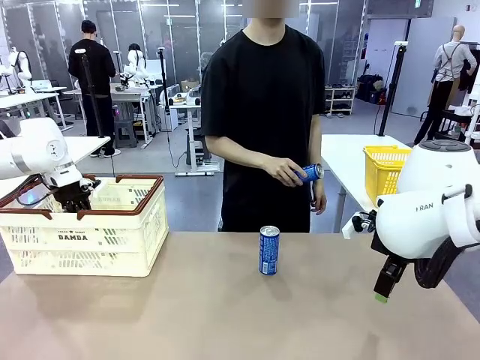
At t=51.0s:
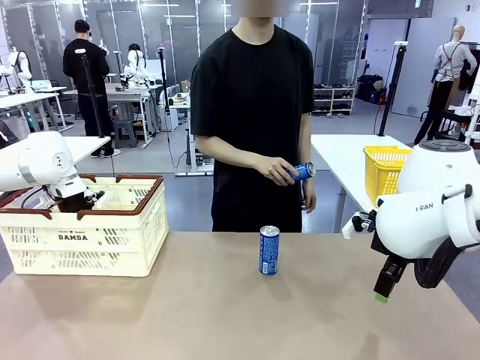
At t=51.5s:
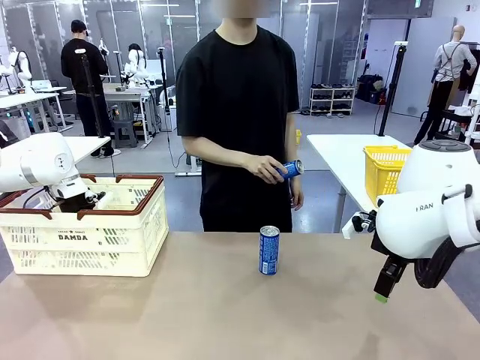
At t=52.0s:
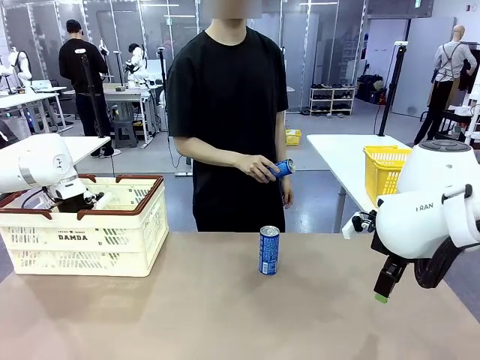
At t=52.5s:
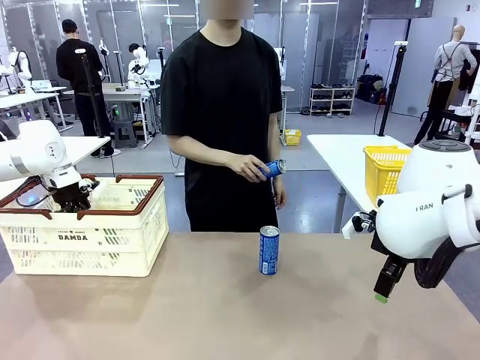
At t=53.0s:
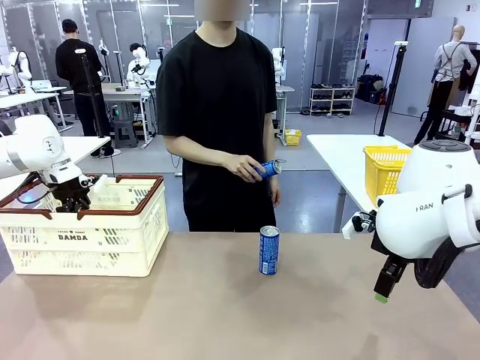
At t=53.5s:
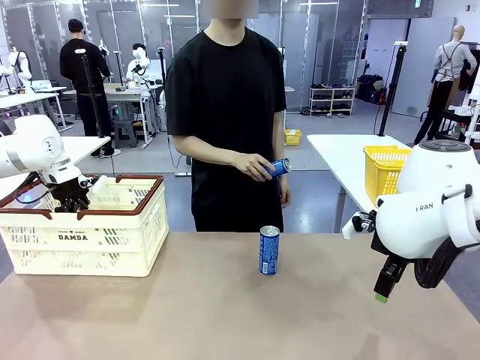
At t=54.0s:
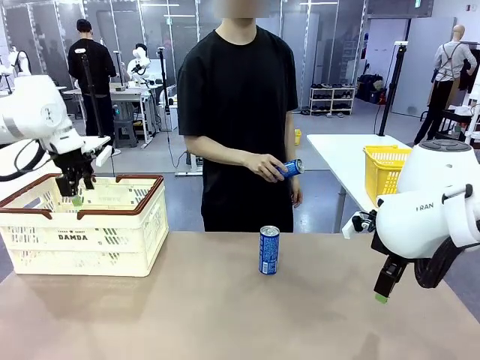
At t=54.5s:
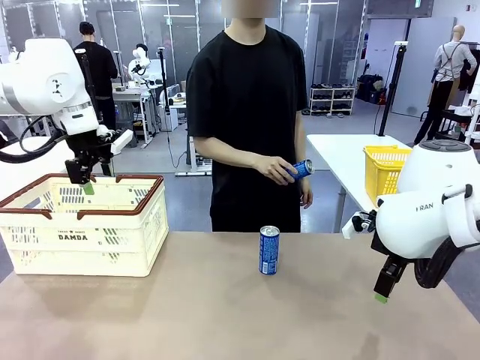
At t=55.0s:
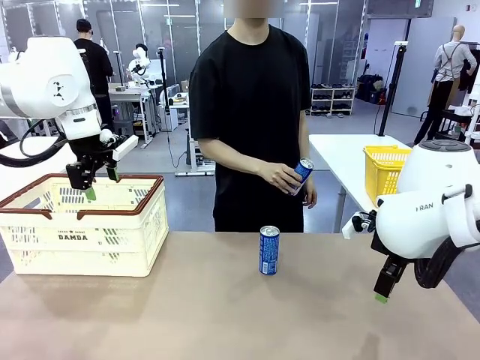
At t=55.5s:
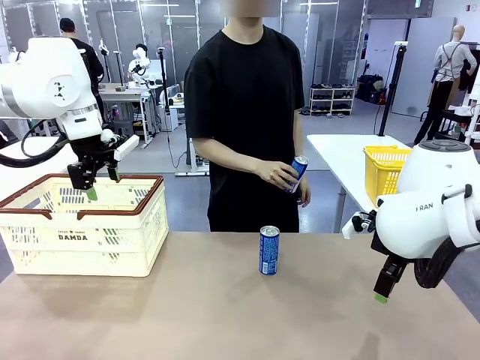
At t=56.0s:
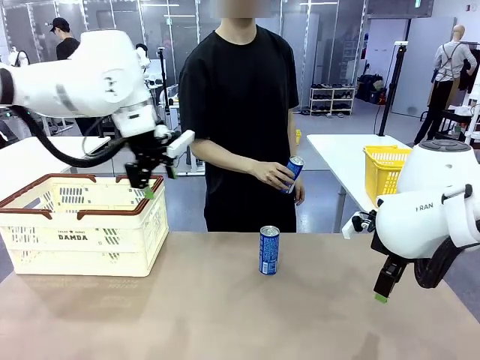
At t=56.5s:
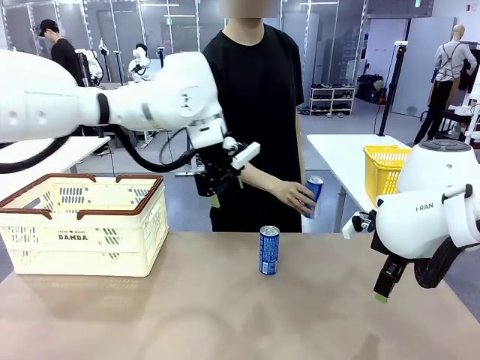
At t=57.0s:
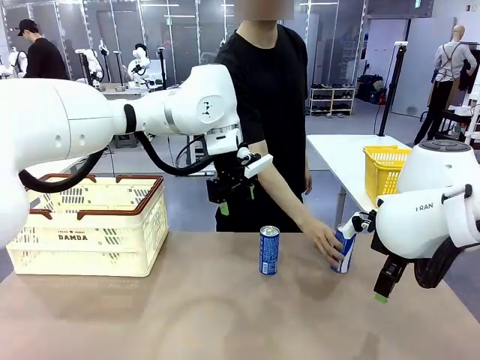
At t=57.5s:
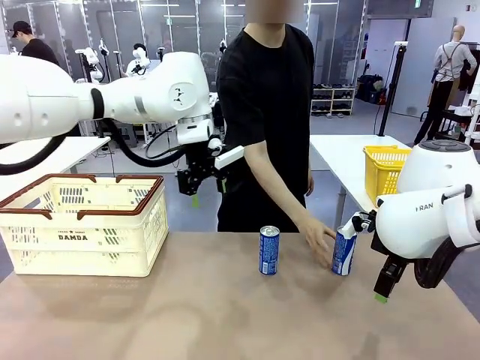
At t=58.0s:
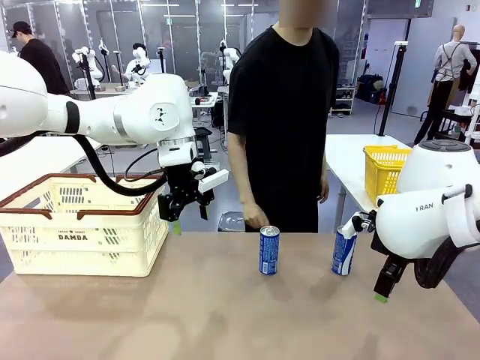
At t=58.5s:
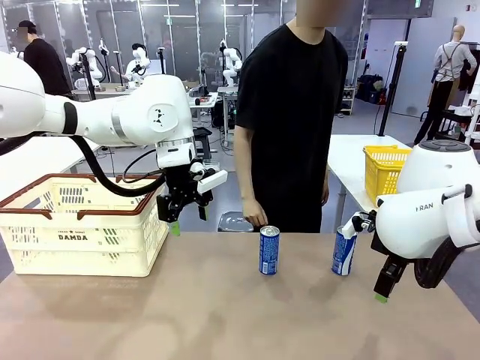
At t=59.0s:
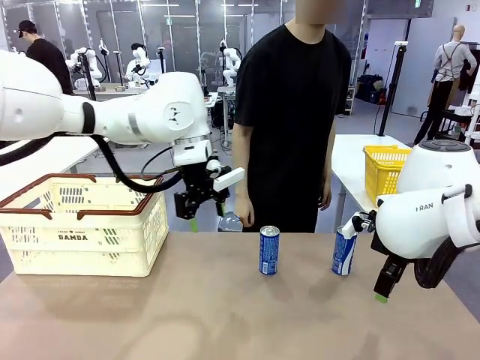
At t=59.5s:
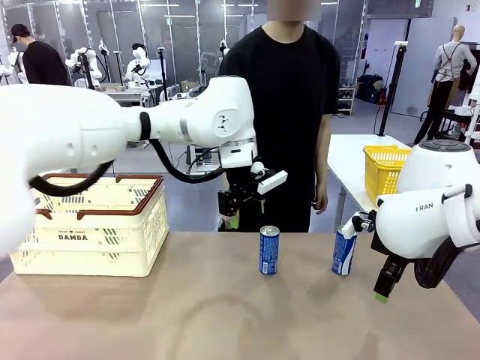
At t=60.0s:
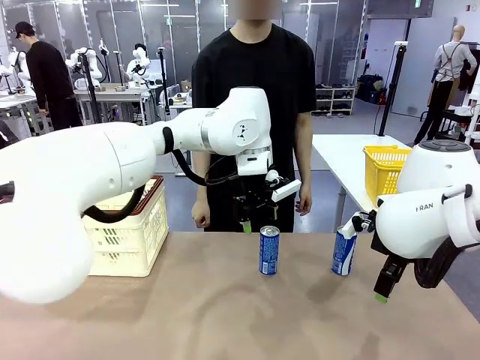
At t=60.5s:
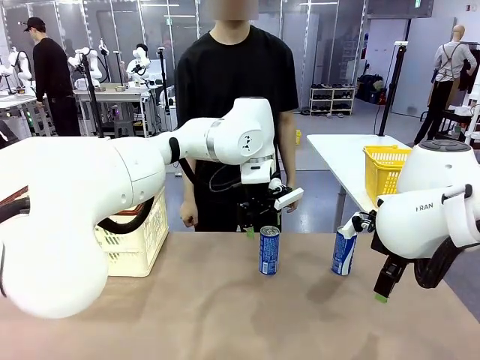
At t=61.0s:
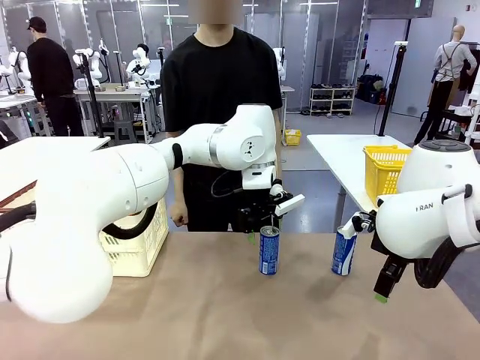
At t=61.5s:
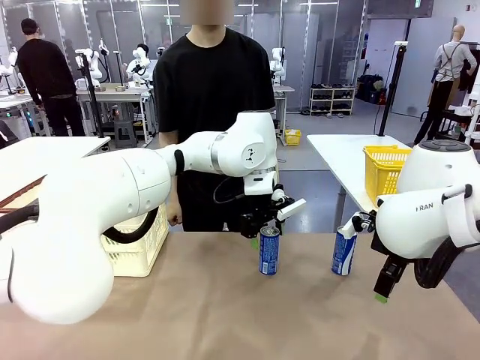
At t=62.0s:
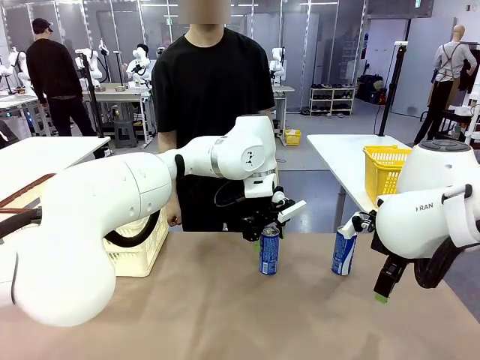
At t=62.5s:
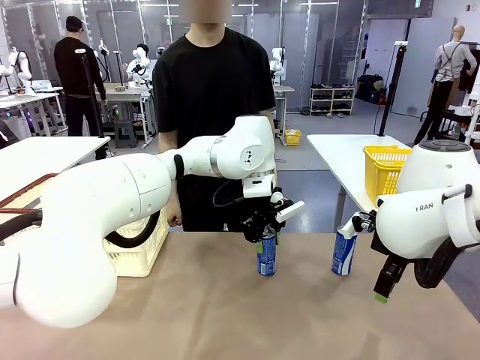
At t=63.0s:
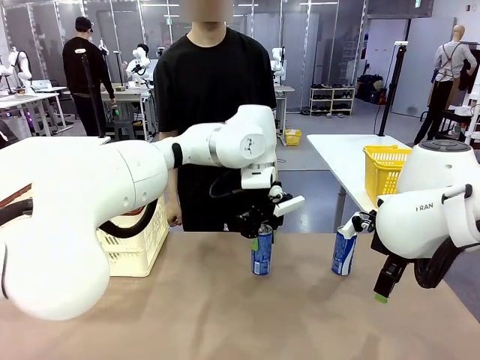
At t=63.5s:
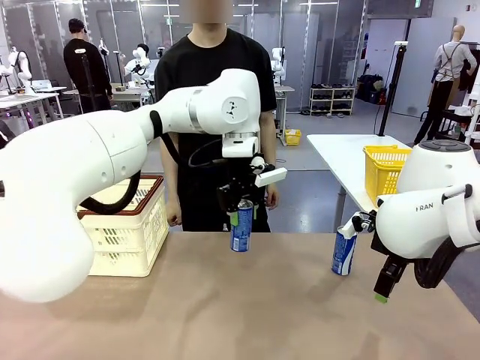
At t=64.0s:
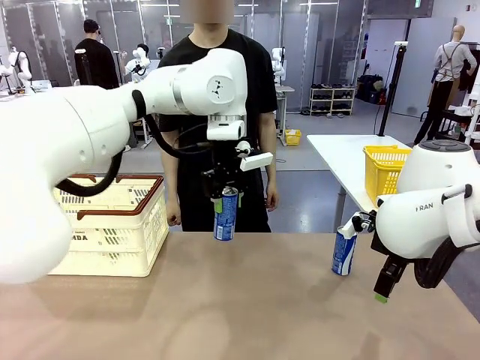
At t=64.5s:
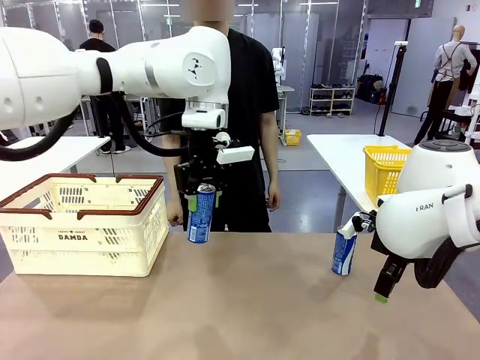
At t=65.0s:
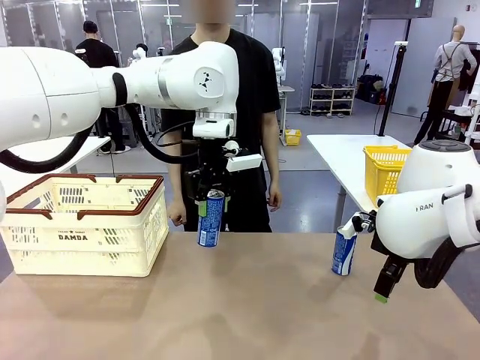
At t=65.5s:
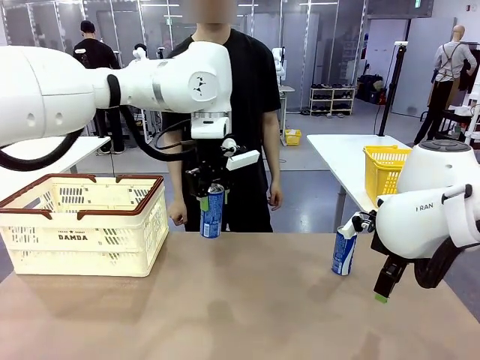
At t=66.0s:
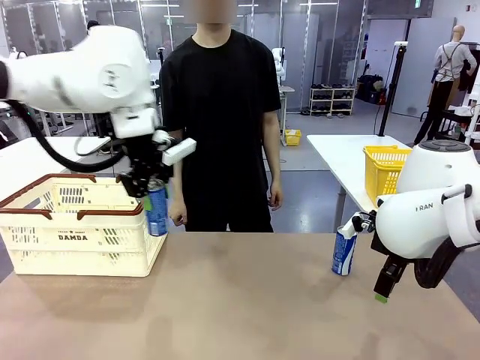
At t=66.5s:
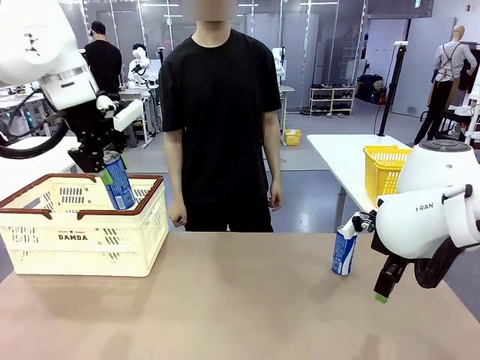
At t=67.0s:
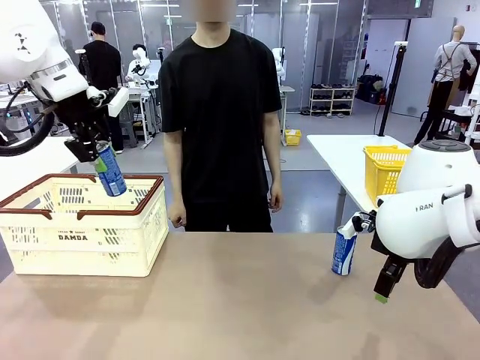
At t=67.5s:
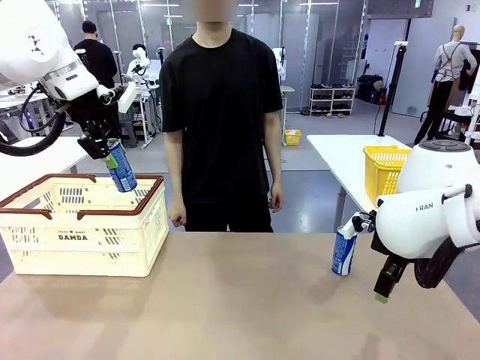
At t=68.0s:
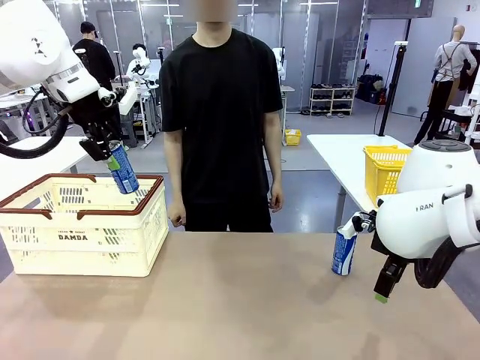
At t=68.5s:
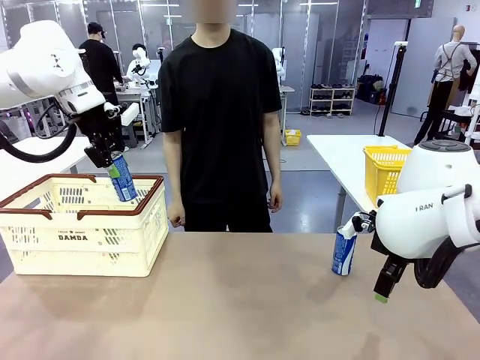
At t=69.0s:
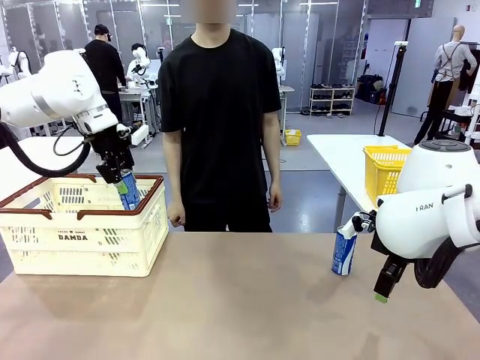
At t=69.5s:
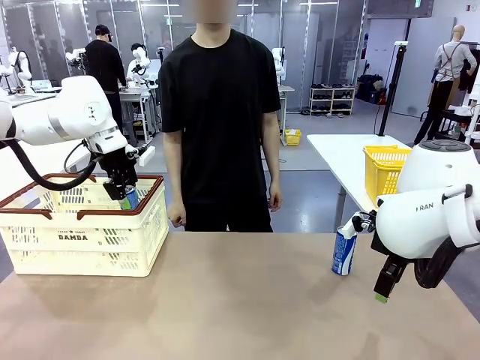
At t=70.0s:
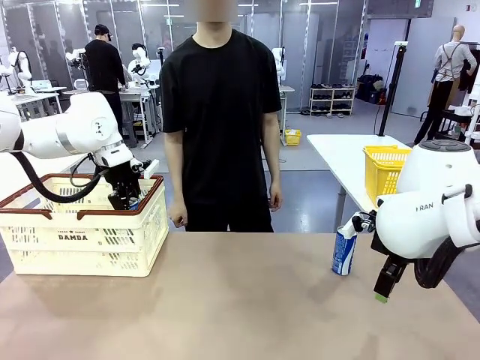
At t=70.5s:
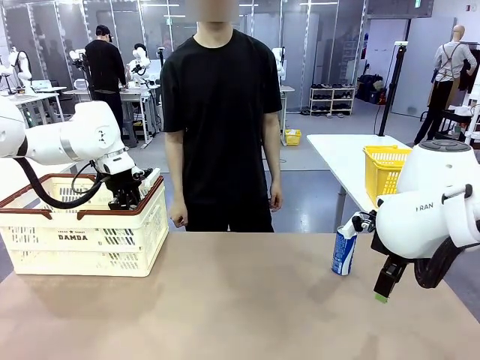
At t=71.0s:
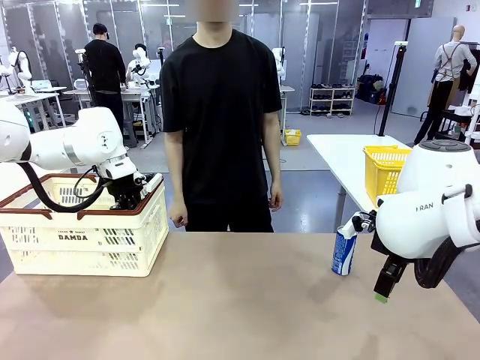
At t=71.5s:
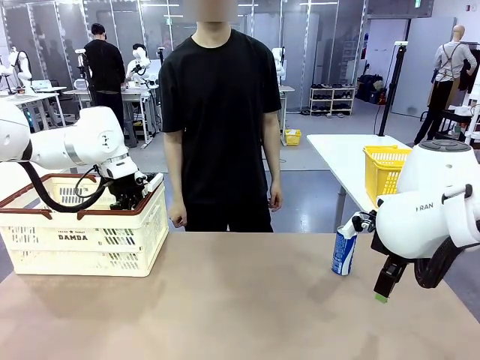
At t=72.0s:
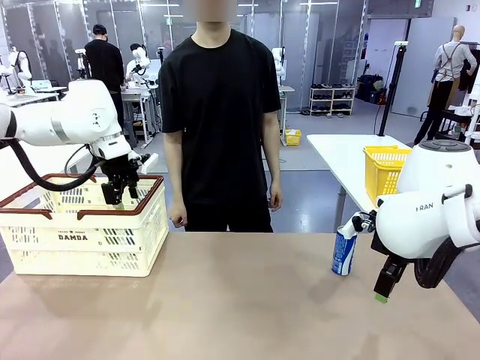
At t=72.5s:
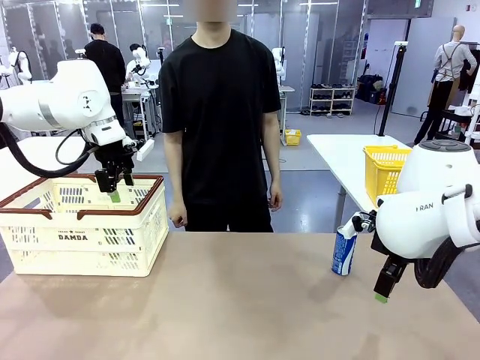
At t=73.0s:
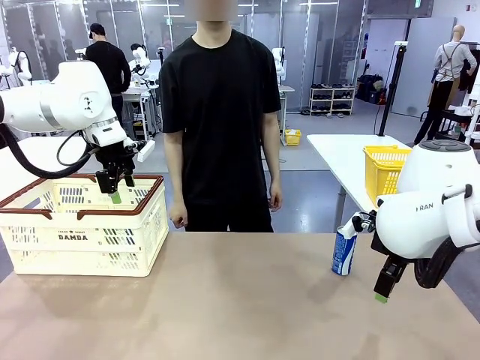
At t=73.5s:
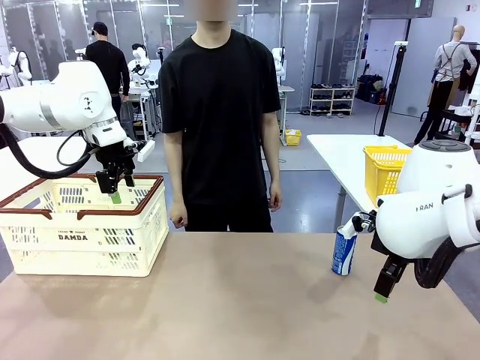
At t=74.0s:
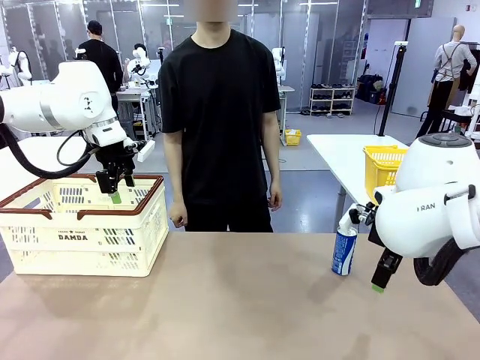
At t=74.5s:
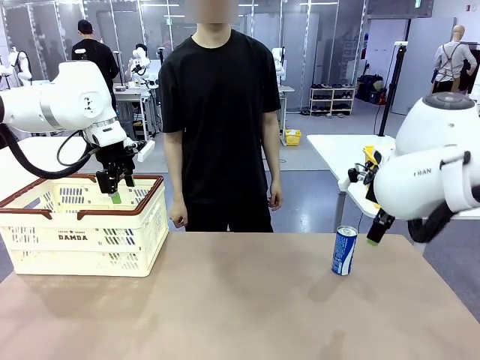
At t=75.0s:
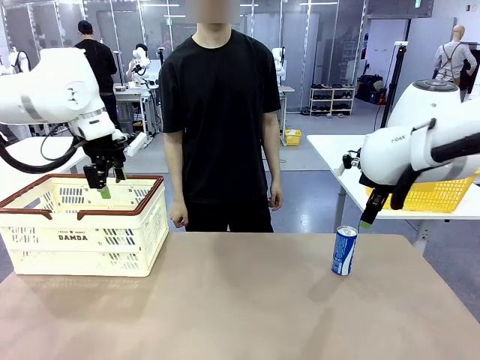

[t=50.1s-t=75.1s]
Task: Place the drinks into the Shopping basket.
Robot: Pick up one drink and place it into the Shopping basket.
